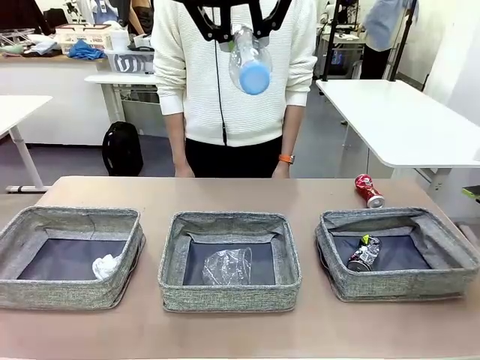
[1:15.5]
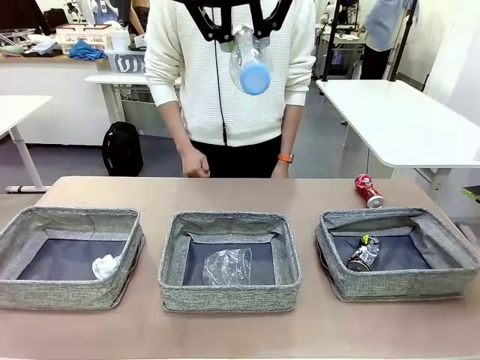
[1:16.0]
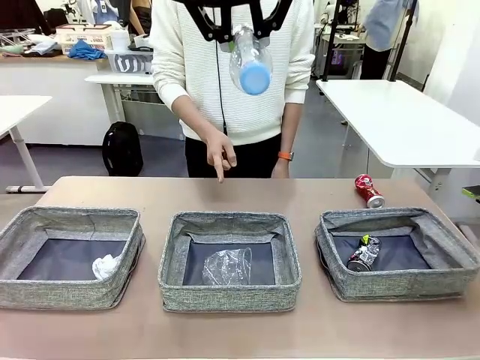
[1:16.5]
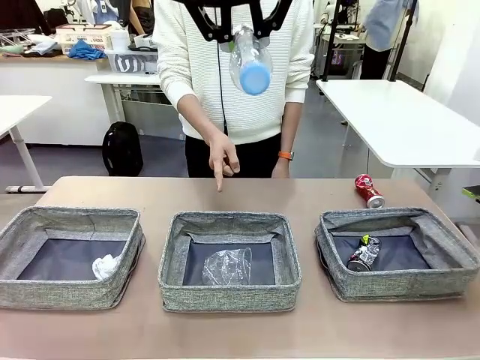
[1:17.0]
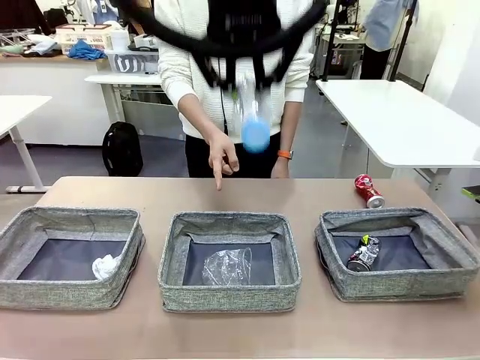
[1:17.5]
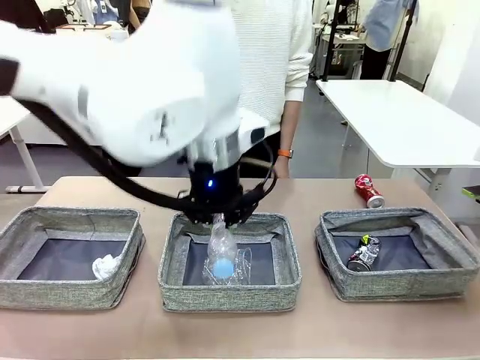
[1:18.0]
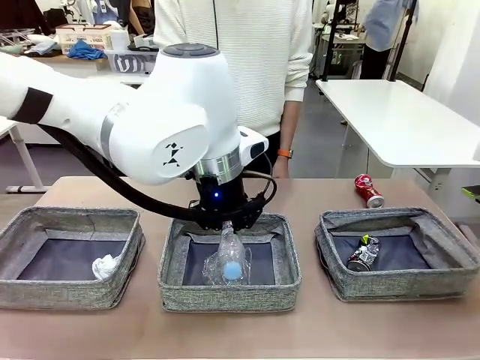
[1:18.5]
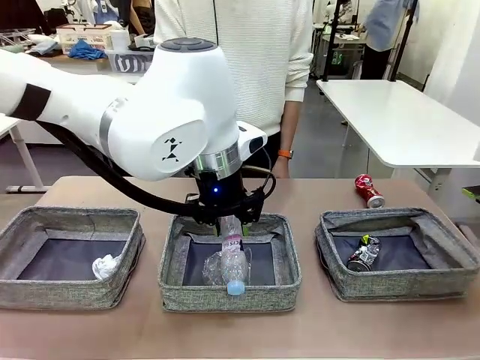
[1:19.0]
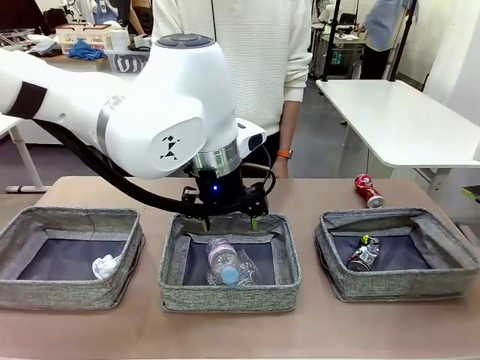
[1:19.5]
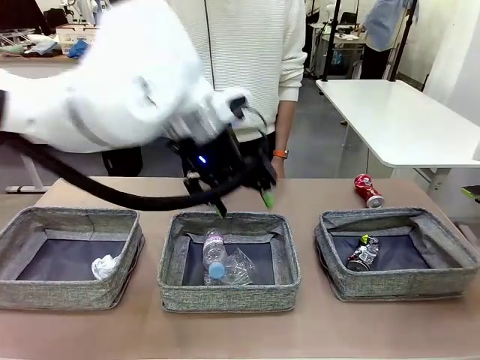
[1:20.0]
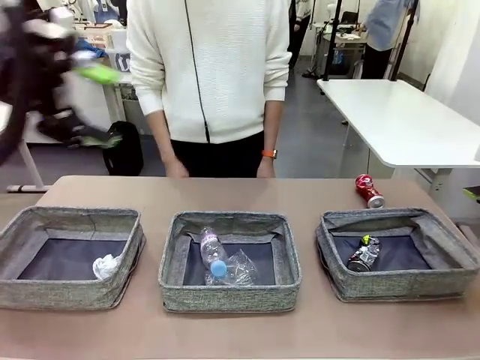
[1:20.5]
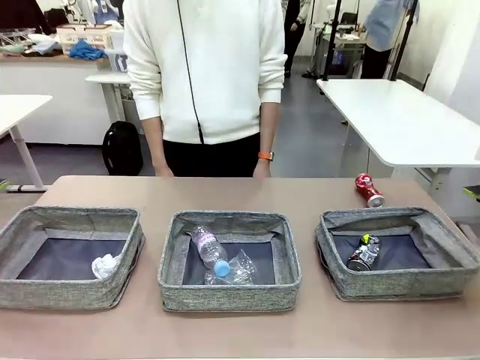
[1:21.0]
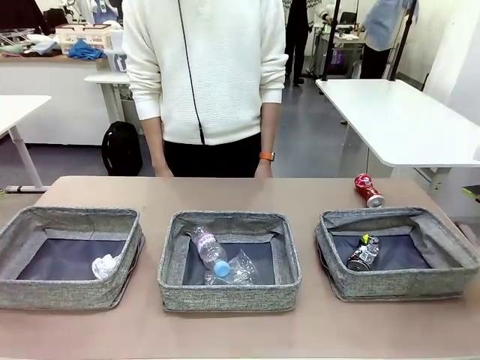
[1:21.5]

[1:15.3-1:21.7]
Task: Sort the waste into the appropriate baskets.
Robot: Place the picked waste into the Fabric basket indicated by the person.
Person: Instructs the robot to place the picked-up trash into the appropriate organizing basket.

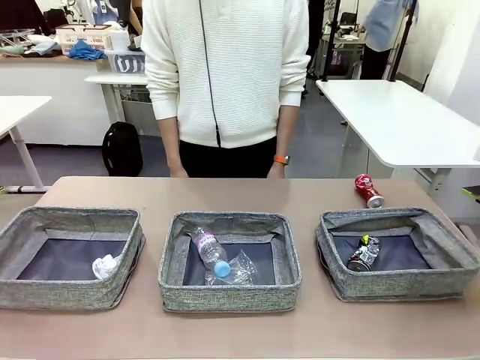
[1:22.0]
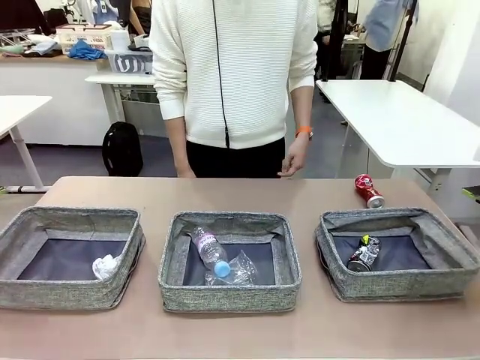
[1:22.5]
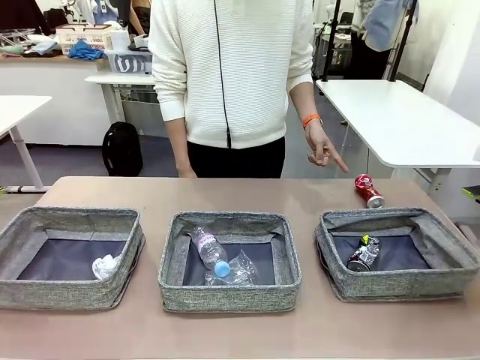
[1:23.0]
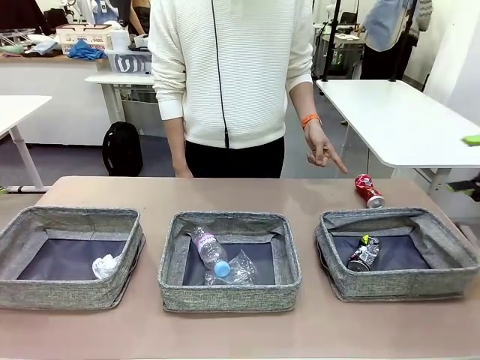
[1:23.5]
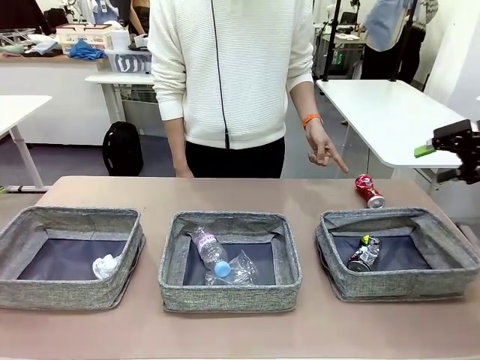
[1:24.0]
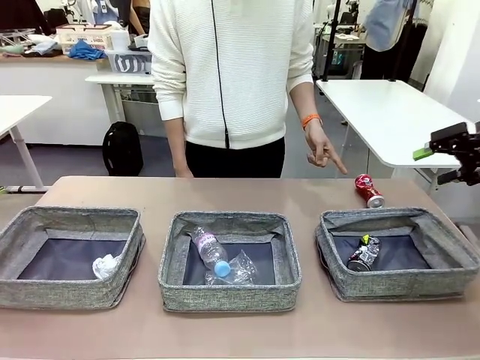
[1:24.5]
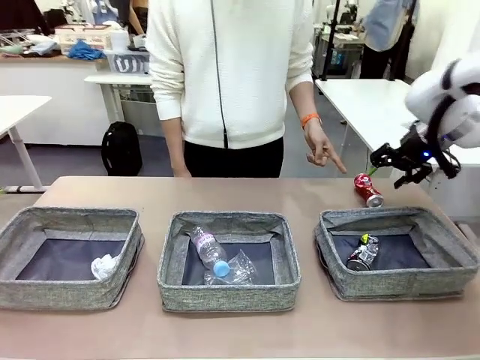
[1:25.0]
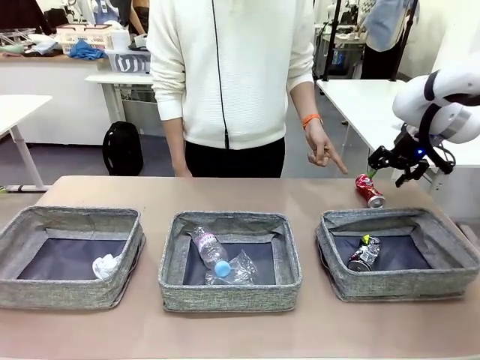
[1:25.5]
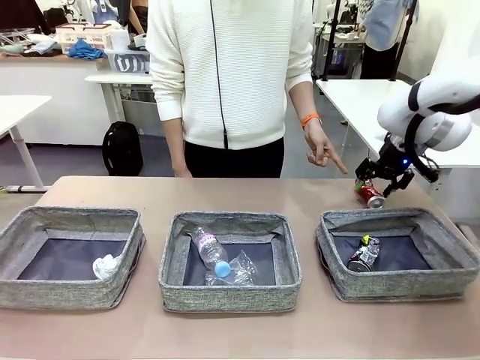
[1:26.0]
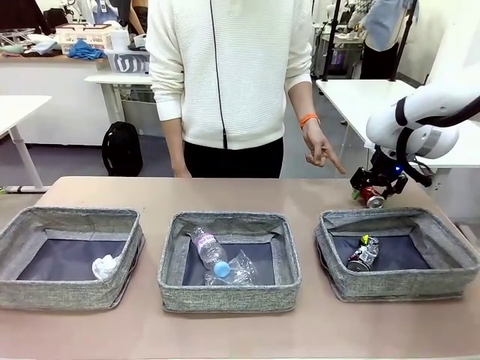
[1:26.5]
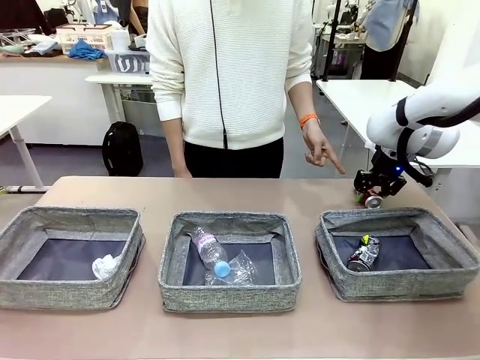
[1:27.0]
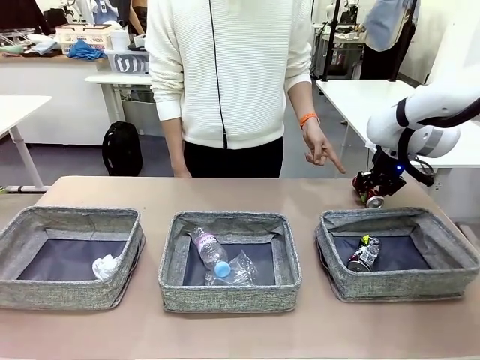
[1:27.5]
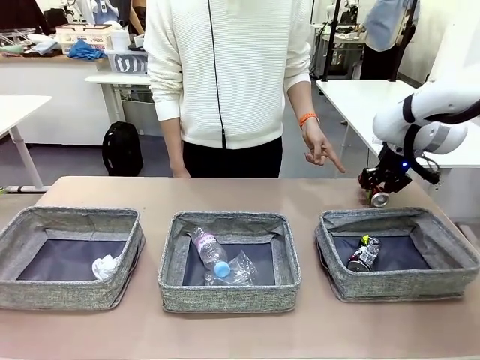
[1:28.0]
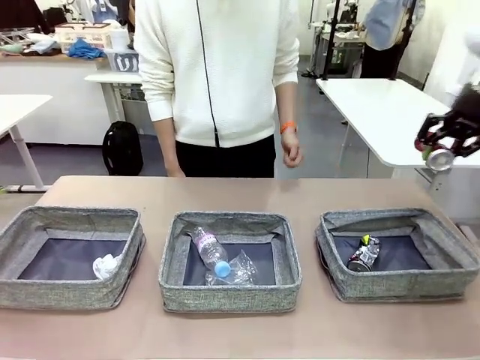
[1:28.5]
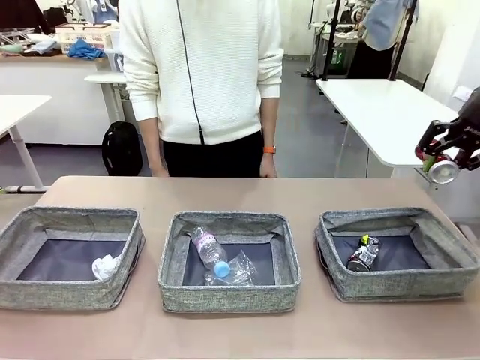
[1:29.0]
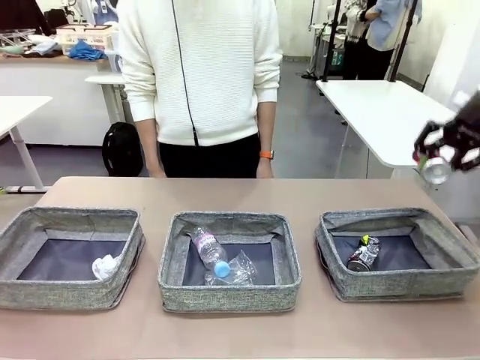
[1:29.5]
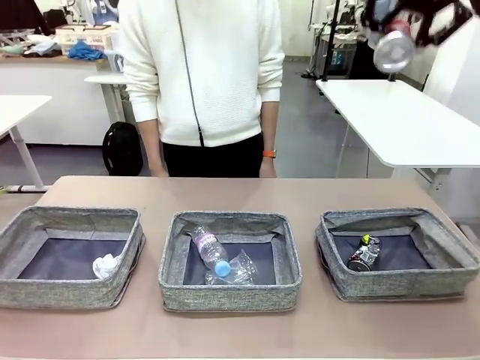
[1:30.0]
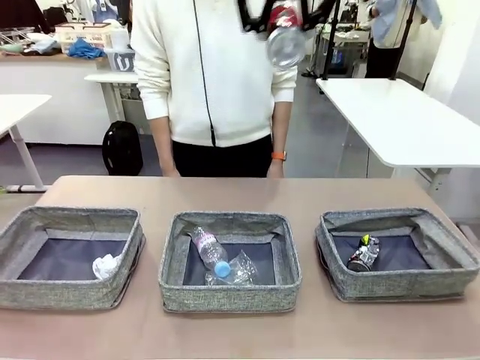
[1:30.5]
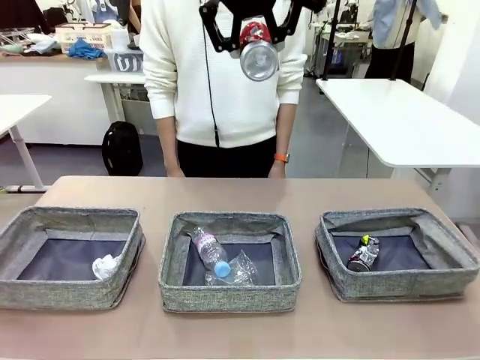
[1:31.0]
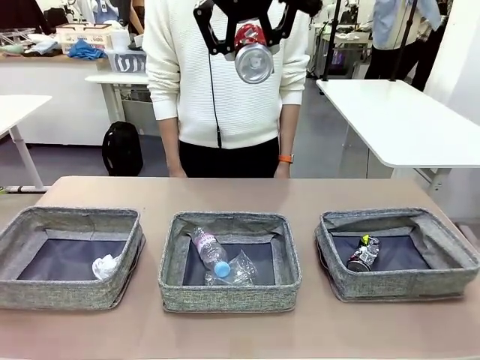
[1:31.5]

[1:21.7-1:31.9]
Robot: Pick up the waste item pointed out by the person.
Person: Points to one piece of trash on the table.

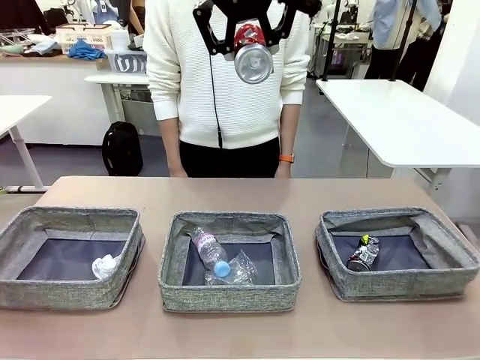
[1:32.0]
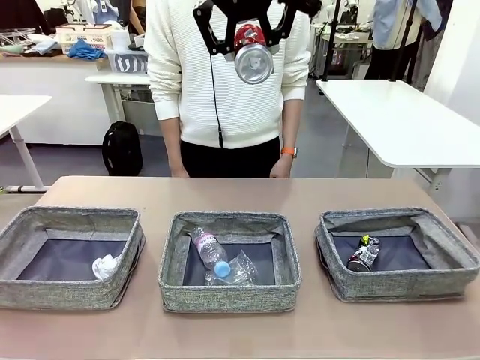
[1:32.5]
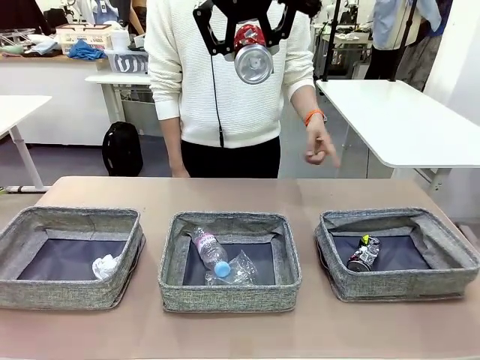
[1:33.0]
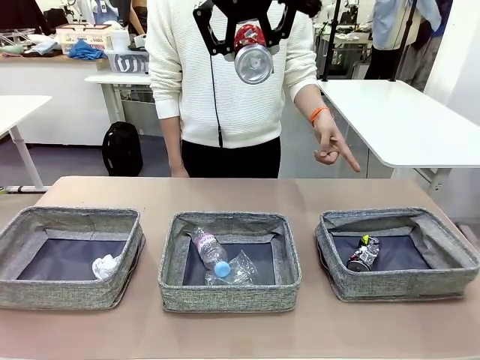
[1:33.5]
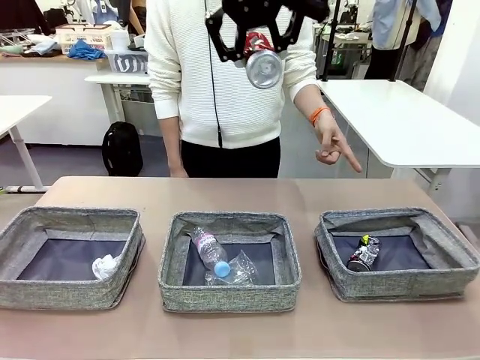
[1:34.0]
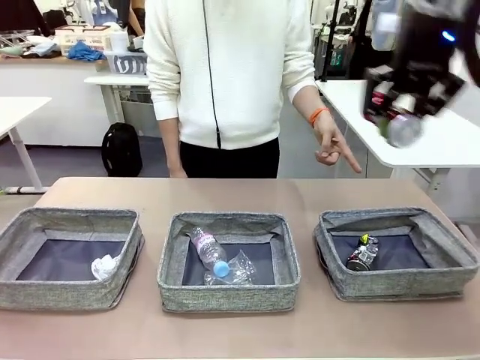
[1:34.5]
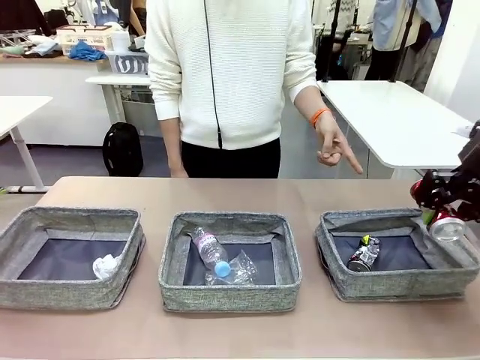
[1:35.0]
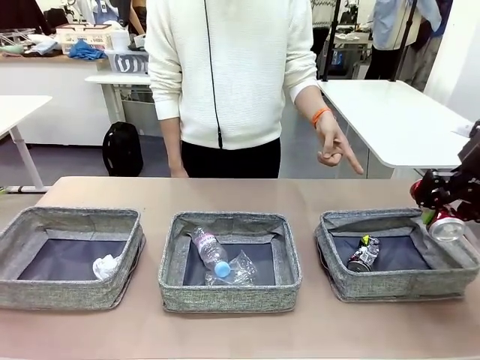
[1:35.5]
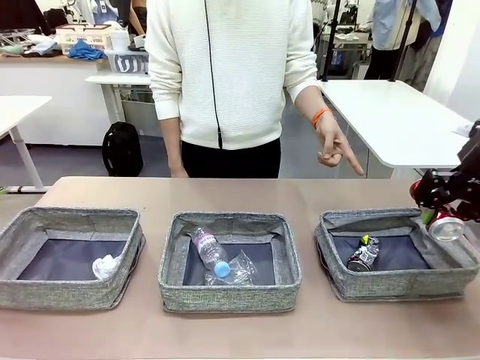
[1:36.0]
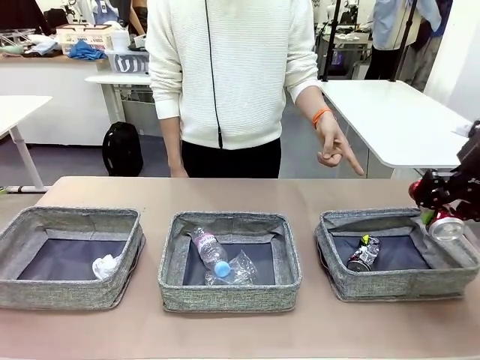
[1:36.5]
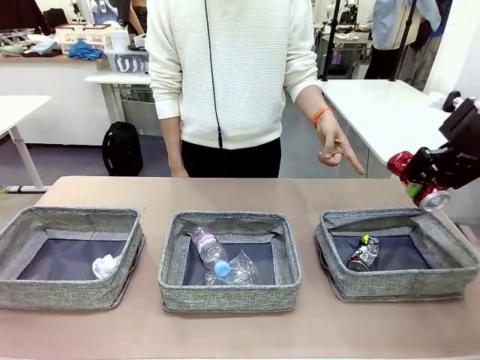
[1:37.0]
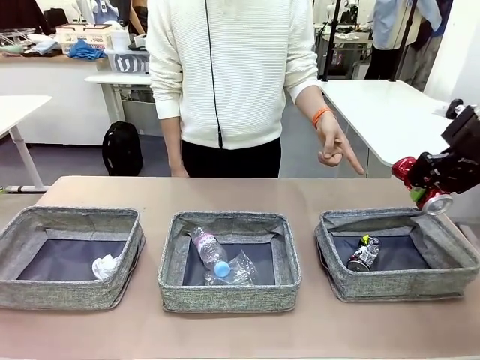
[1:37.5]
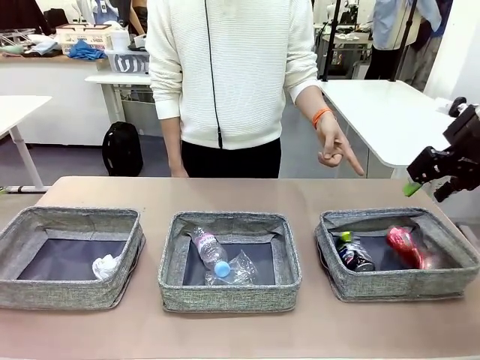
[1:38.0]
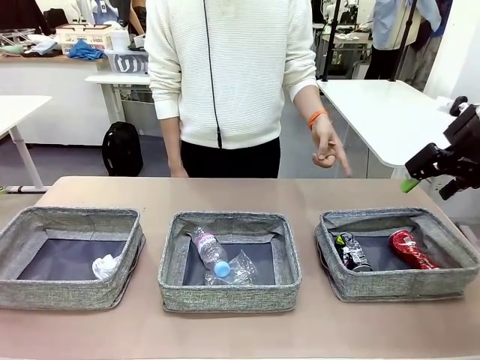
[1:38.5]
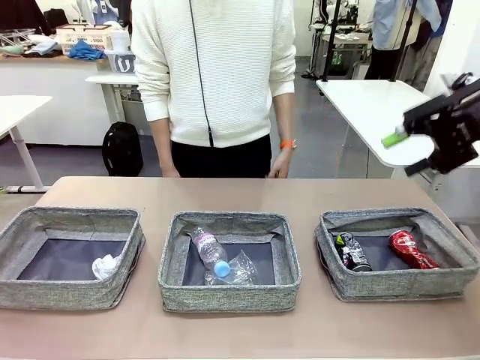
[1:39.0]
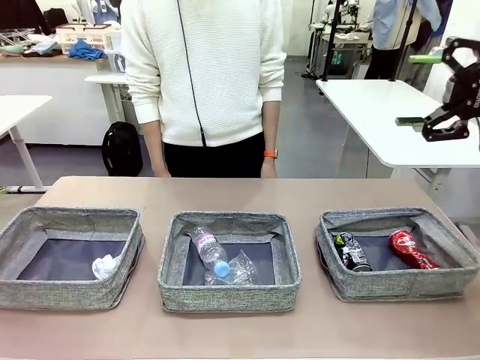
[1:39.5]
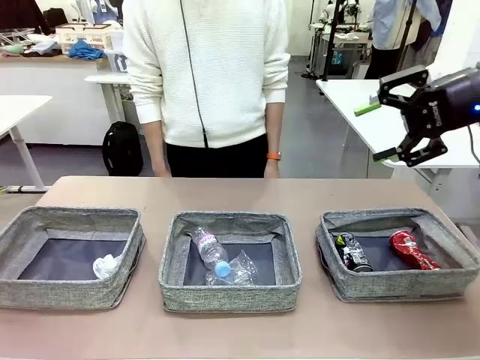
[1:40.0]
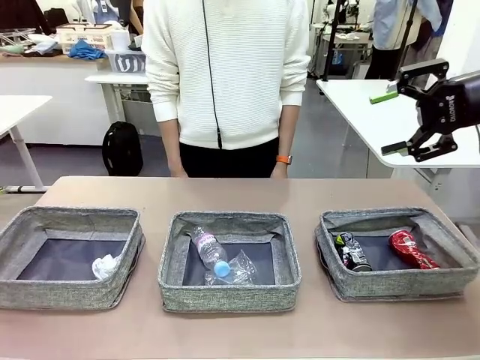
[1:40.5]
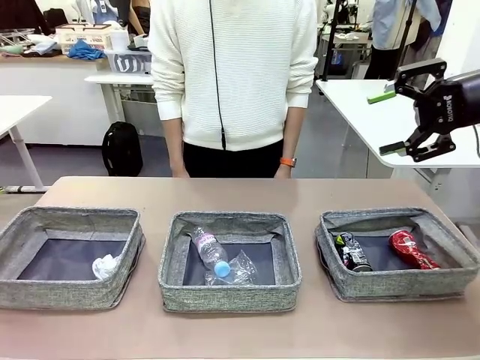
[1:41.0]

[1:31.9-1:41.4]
Robot: Place the picked waste into the Fabric basket indicated by the person.
Person: Instructs the robot to place the picked-up trash into the appropriate organizing basket.
